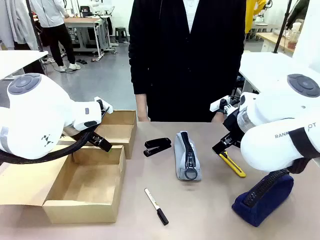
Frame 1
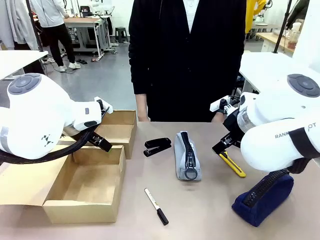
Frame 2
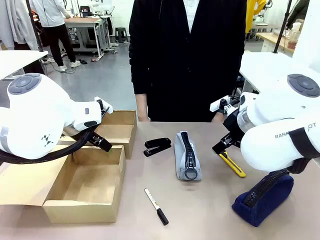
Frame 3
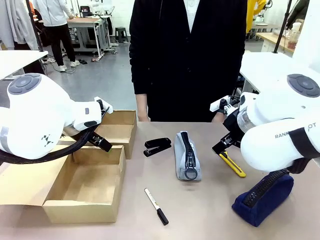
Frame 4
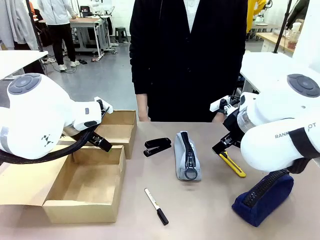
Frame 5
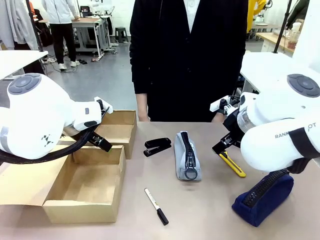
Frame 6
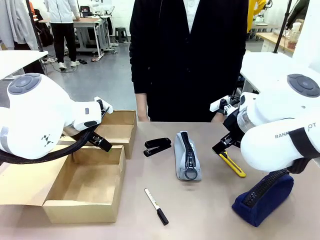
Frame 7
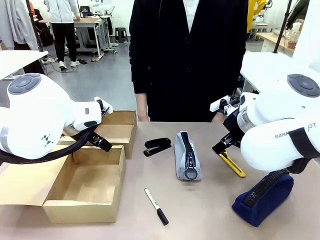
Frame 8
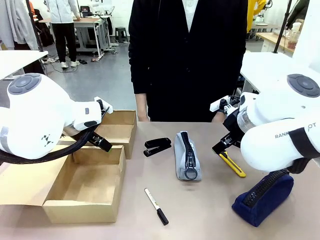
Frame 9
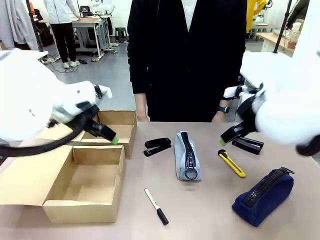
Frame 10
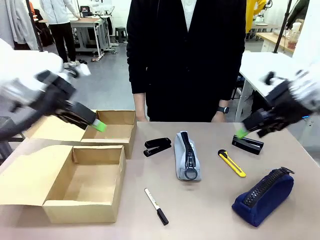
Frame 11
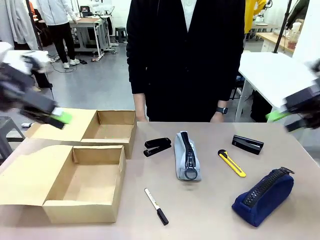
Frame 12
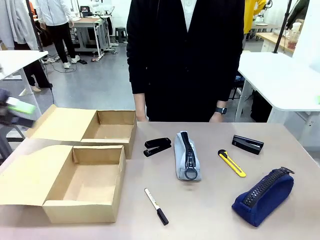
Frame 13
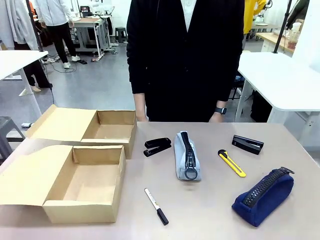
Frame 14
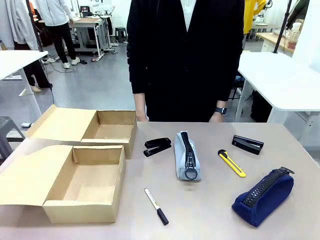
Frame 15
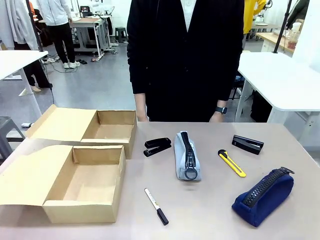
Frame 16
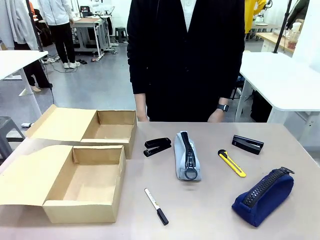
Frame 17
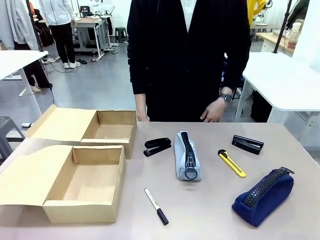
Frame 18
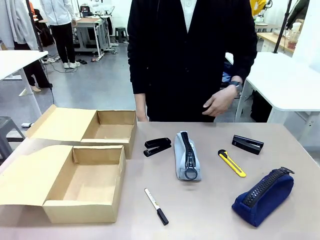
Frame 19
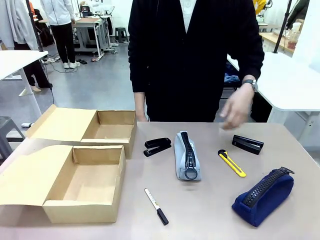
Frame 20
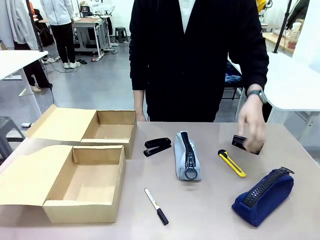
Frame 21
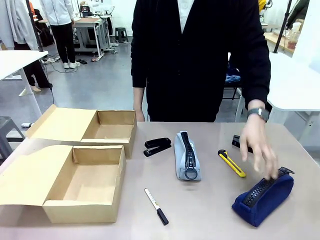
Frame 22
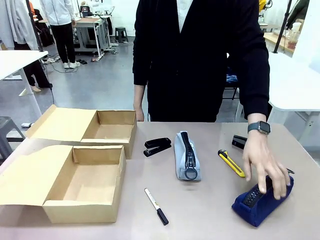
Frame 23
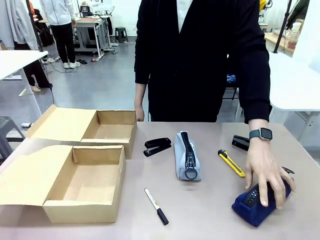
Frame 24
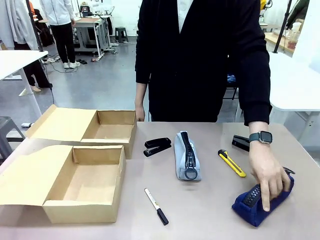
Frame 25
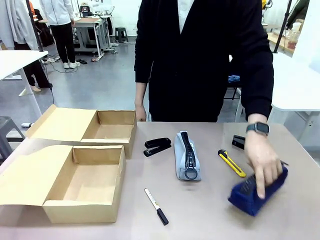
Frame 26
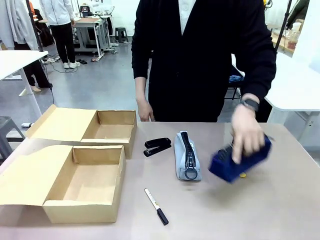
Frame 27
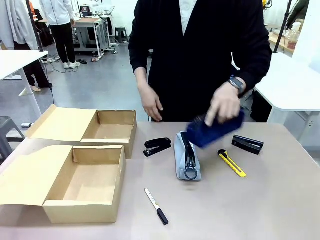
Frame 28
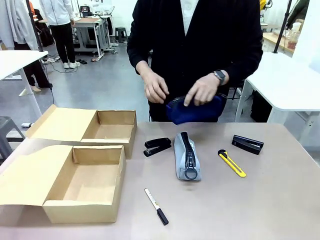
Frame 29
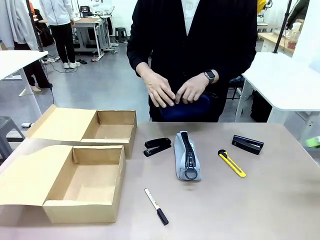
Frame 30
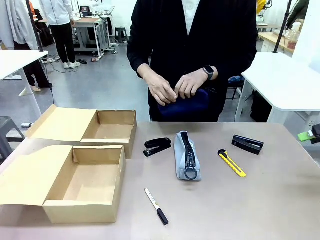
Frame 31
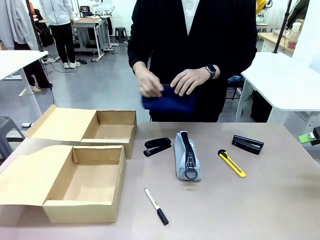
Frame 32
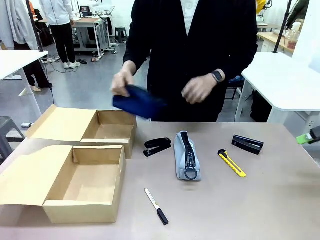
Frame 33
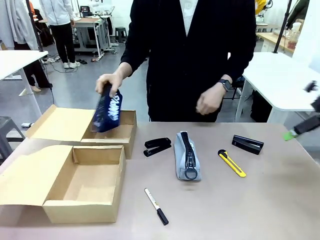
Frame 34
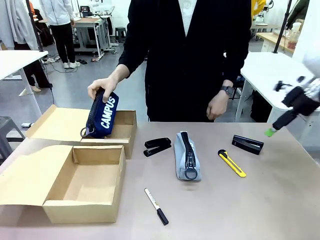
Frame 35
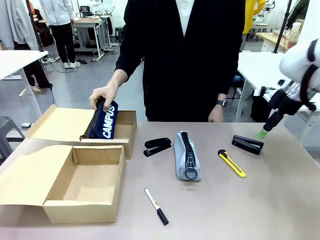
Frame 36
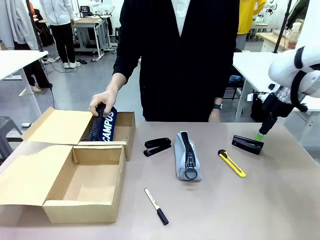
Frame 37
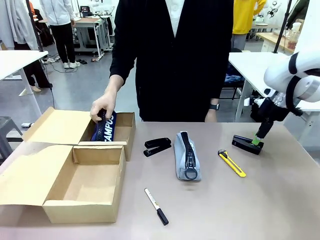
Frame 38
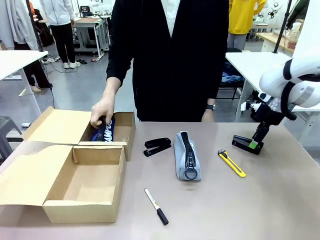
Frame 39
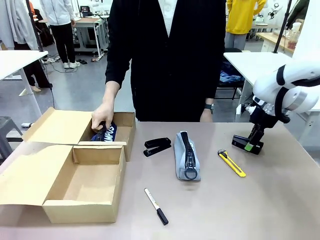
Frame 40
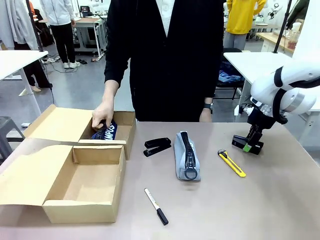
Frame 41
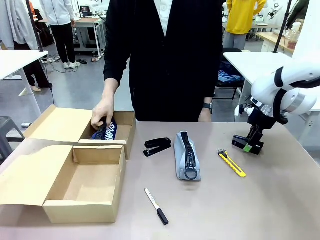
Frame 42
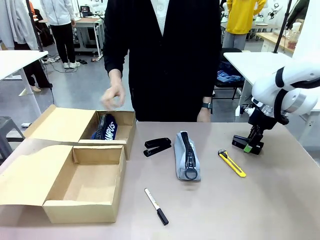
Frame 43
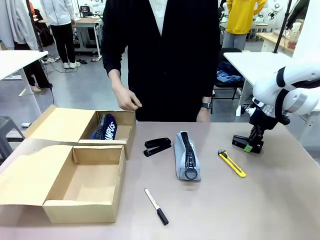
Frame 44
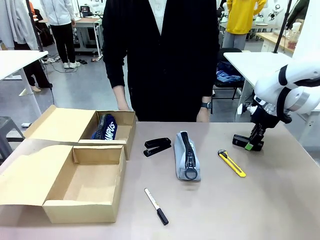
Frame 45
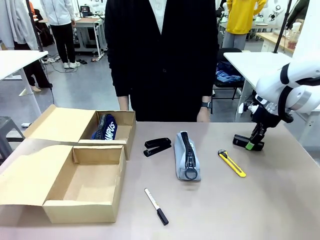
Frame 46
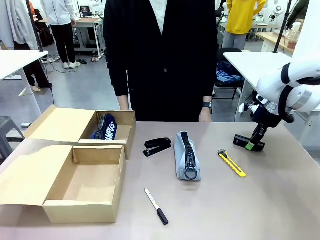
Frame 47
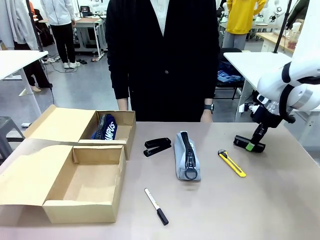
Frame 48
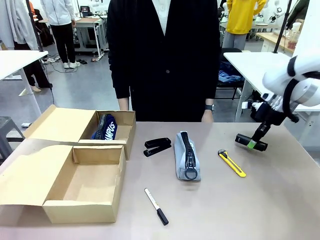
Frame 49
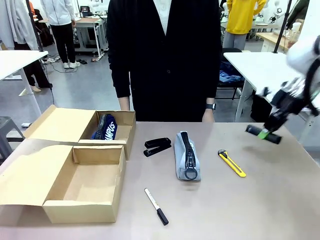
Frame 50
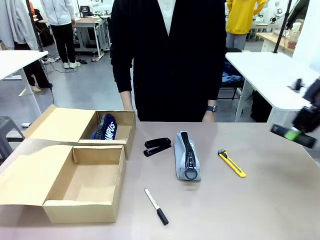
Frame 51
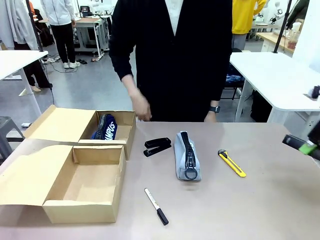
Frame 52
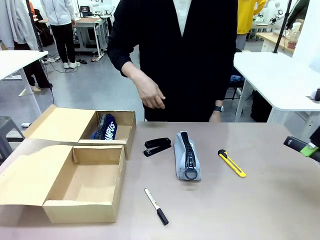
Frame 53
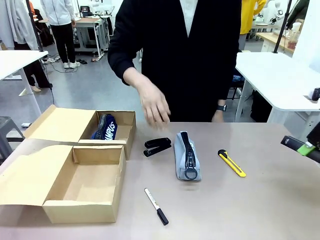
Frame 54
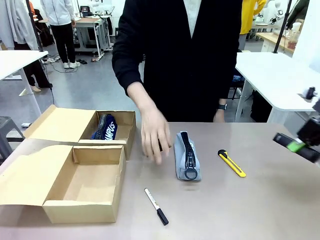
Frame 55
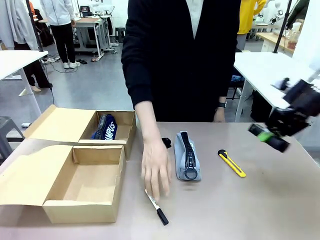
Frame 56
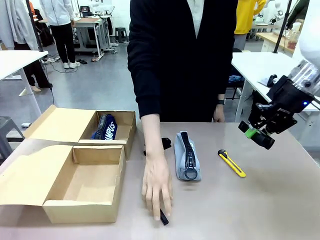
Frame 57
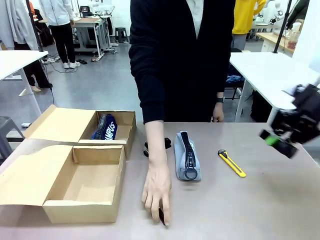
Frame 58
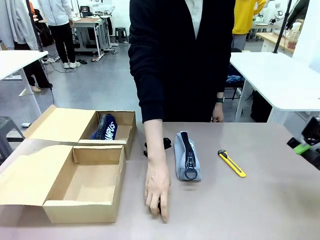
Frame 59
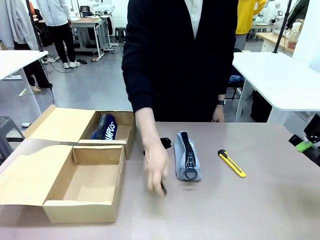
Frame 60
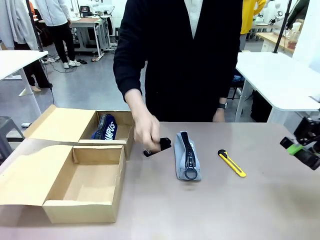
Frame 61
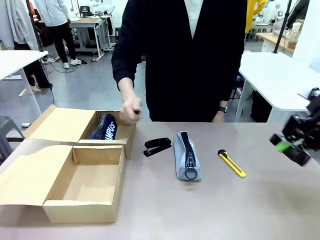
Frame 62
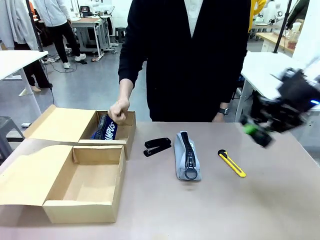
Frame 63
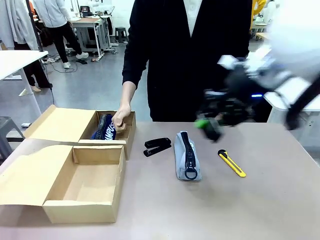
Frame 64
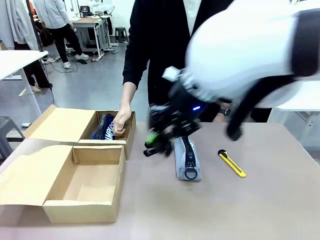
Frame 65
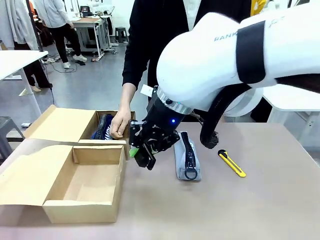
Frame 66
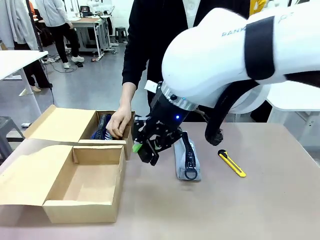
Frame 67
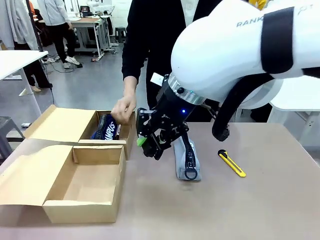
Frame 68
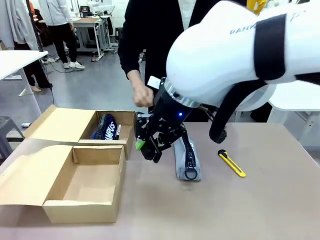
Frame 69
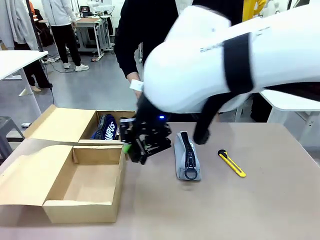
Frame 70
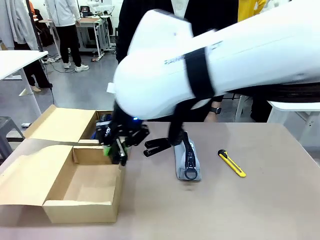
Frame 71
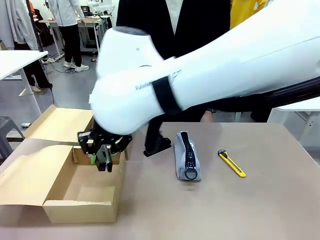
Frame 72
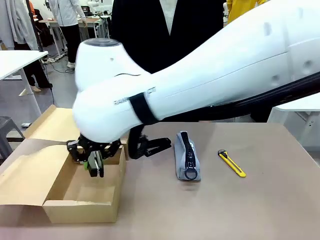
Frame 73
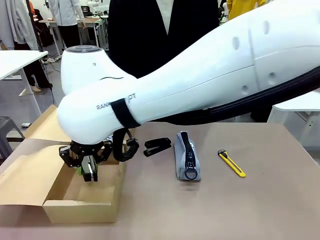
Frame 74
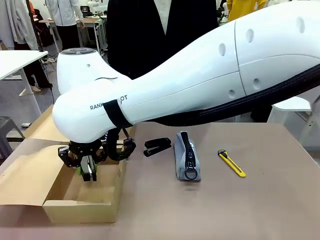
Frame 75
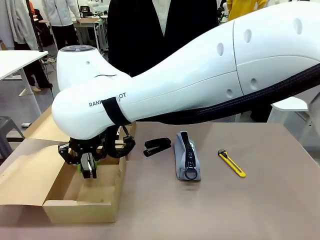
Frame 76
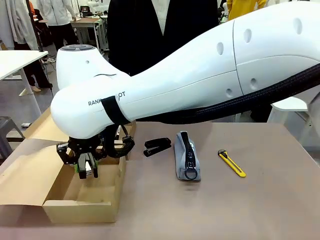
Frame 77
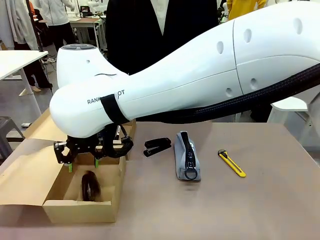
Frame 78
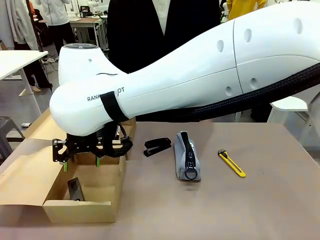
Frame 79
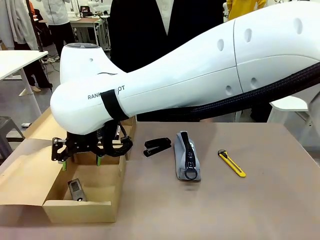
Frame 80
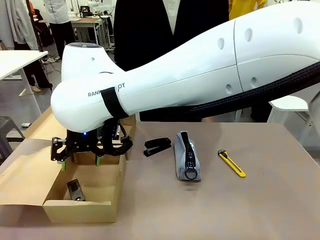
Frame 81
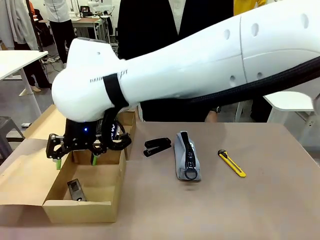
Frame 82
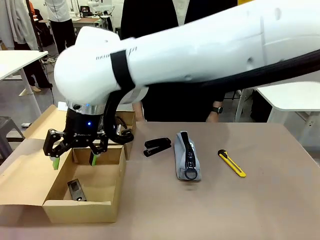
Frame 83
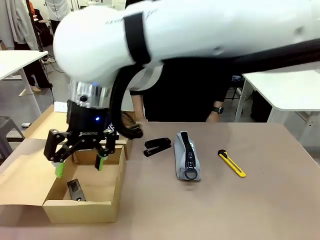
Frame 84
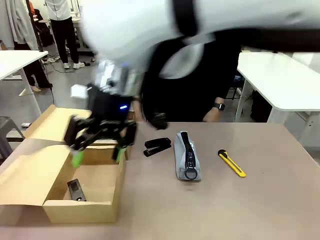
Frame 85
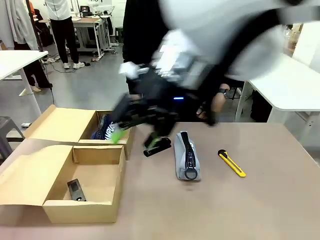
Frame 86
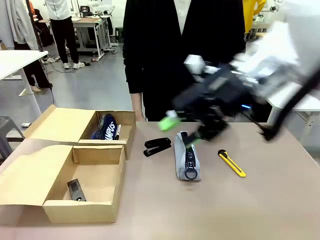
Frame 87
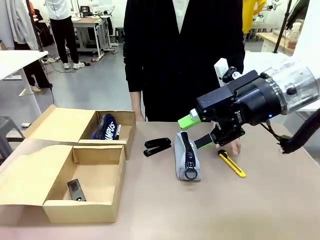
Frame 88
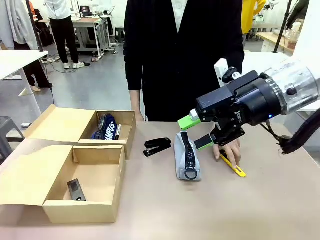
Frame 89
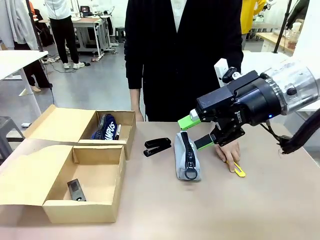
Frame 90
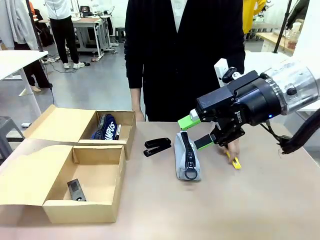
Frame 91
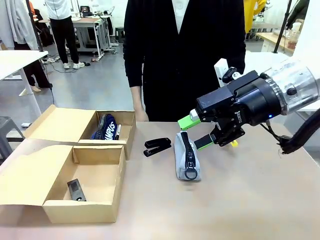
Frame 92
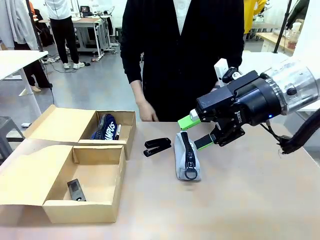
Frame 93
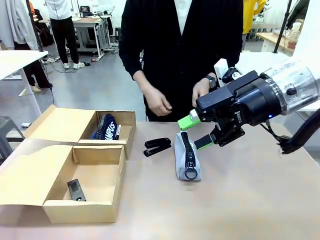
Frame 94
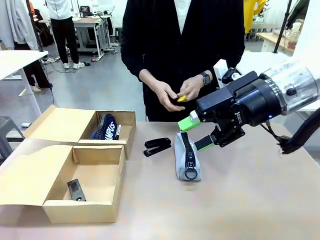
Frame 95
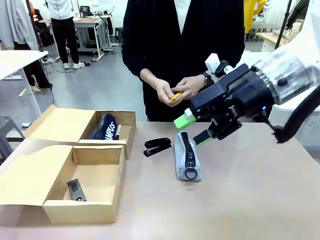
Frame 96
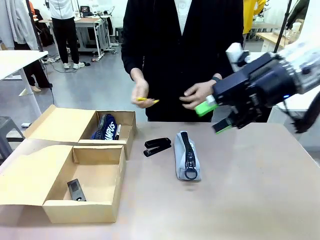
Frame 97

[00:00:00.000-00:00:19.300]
Task: Place items inside the box.
Robot: Pick up a Pencil pouch or Stapler and place it inside the Mailer Box closest to the robot.
Person: Pick up an object on the table and put it in the box.
